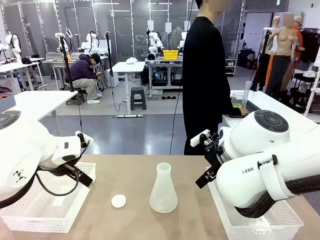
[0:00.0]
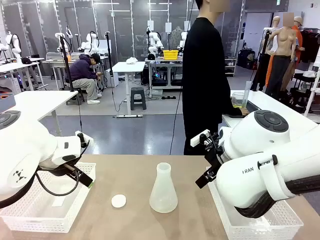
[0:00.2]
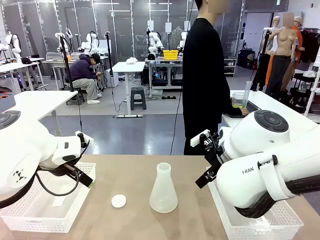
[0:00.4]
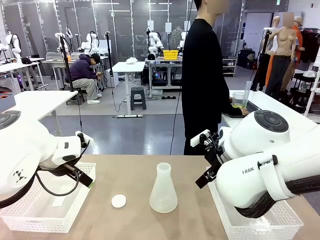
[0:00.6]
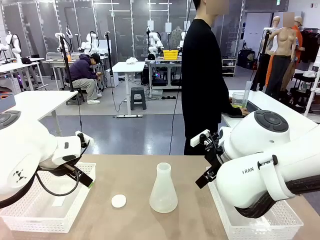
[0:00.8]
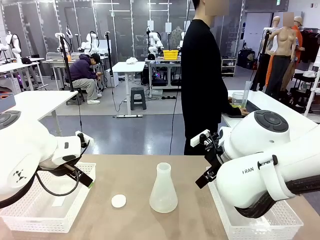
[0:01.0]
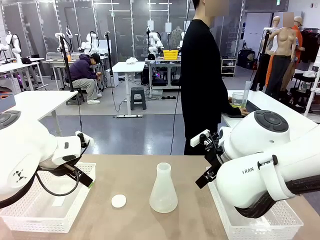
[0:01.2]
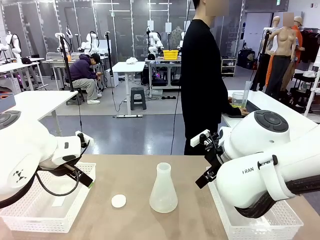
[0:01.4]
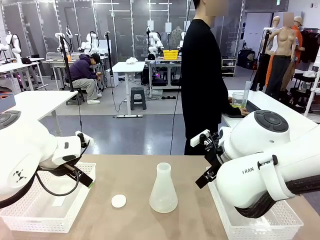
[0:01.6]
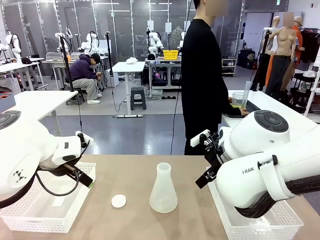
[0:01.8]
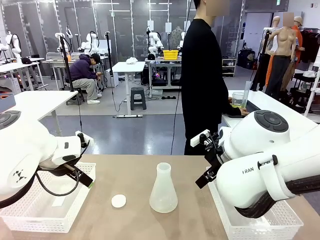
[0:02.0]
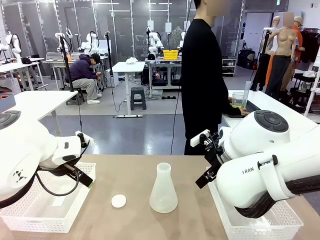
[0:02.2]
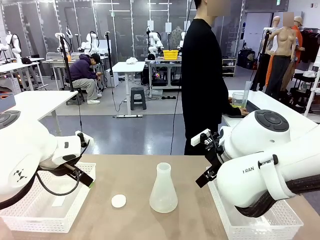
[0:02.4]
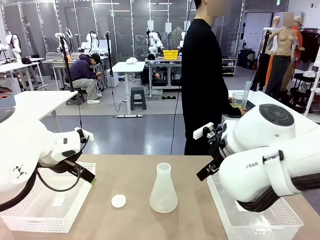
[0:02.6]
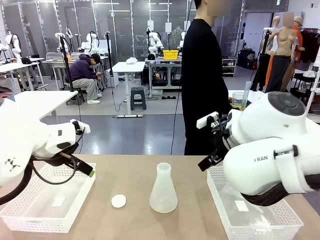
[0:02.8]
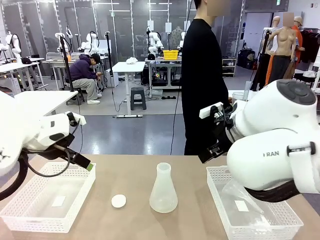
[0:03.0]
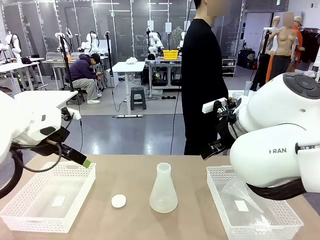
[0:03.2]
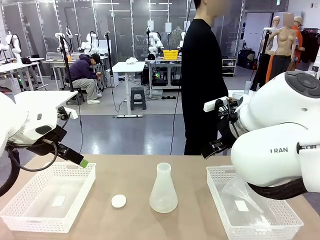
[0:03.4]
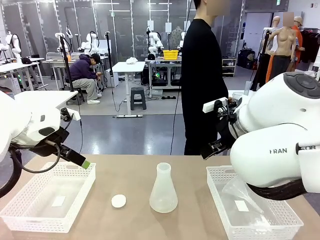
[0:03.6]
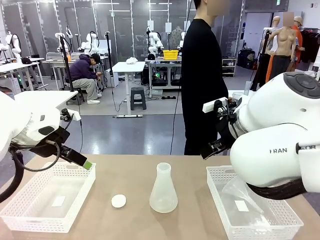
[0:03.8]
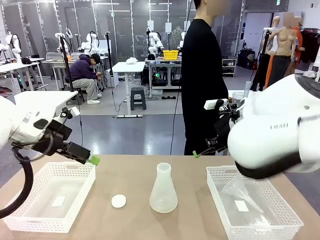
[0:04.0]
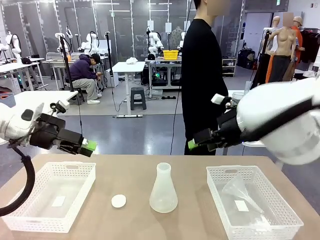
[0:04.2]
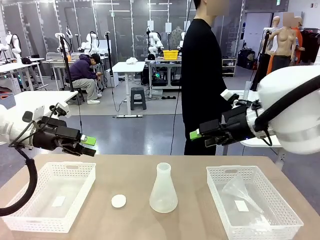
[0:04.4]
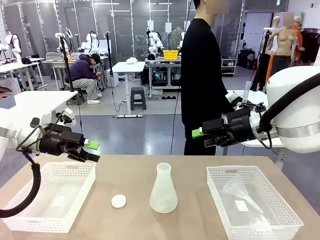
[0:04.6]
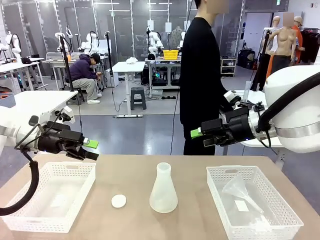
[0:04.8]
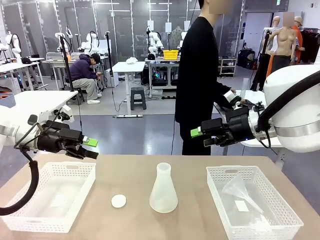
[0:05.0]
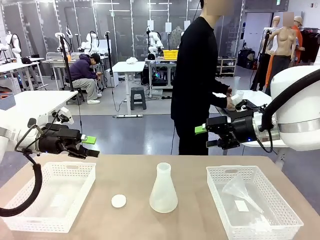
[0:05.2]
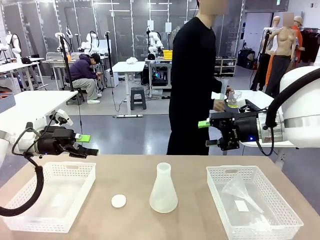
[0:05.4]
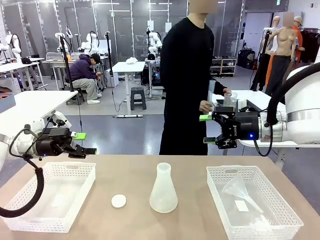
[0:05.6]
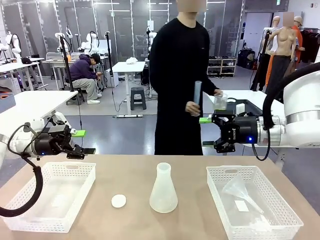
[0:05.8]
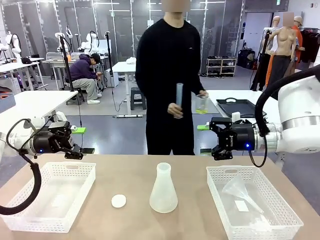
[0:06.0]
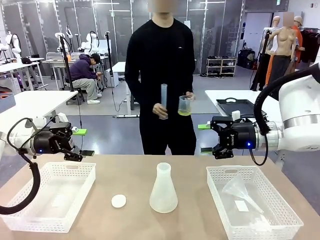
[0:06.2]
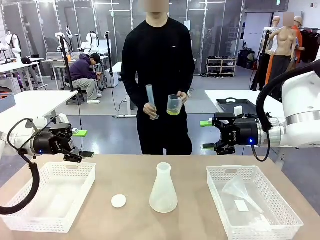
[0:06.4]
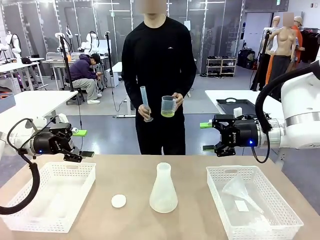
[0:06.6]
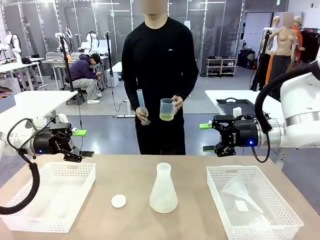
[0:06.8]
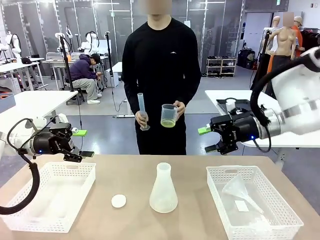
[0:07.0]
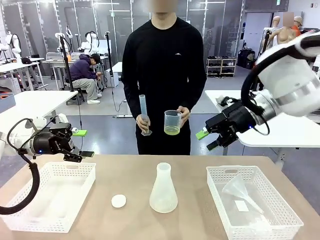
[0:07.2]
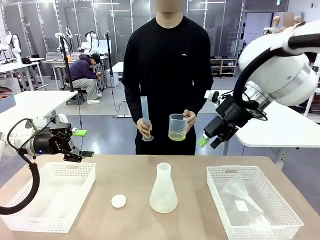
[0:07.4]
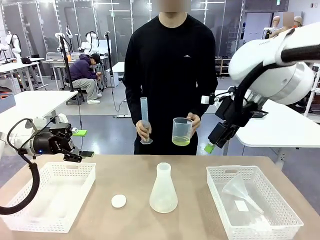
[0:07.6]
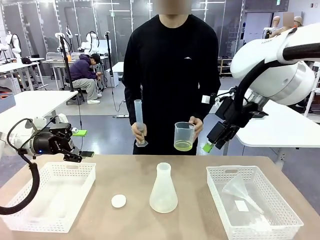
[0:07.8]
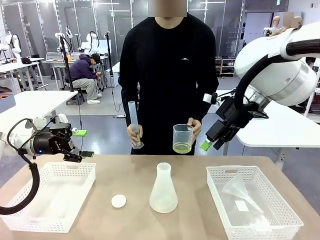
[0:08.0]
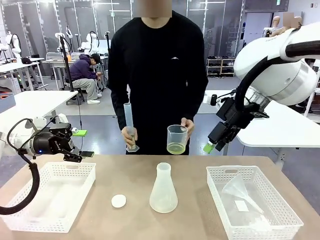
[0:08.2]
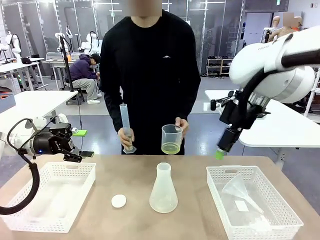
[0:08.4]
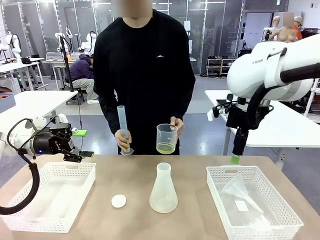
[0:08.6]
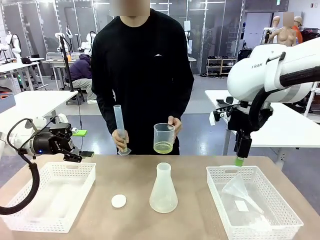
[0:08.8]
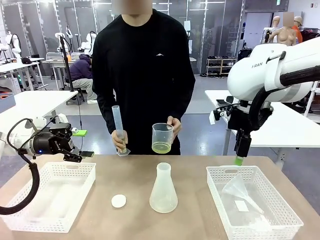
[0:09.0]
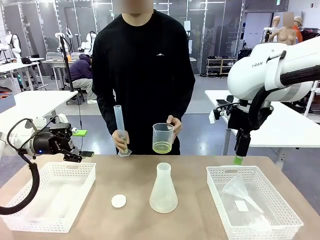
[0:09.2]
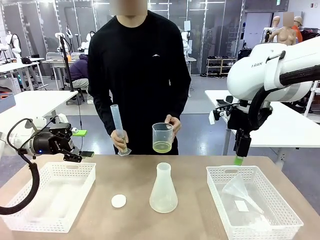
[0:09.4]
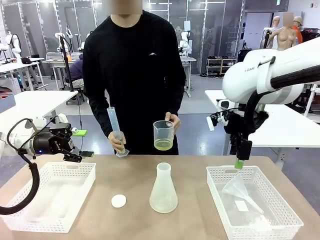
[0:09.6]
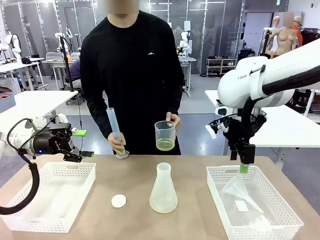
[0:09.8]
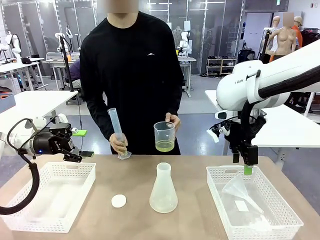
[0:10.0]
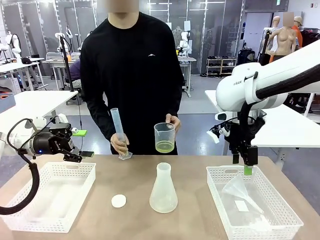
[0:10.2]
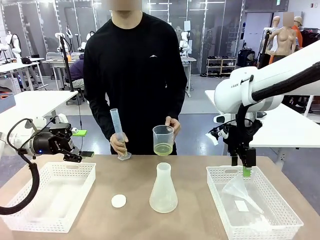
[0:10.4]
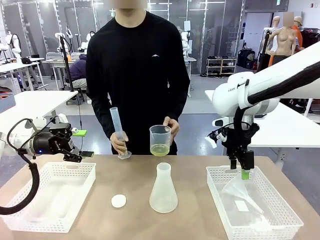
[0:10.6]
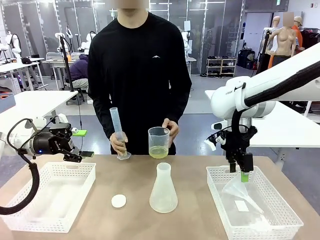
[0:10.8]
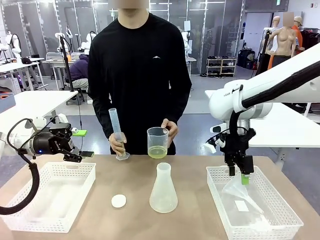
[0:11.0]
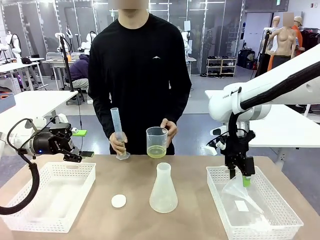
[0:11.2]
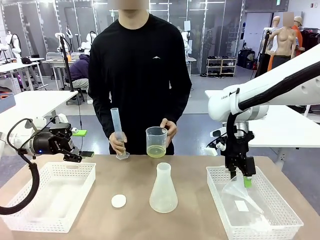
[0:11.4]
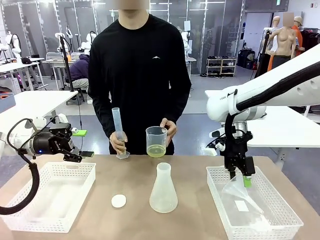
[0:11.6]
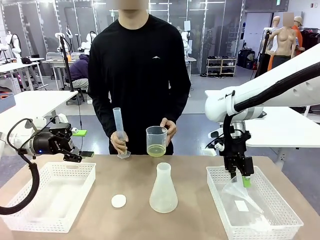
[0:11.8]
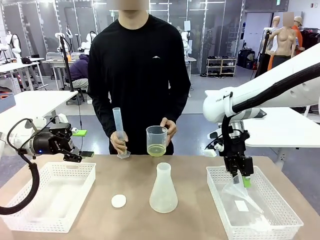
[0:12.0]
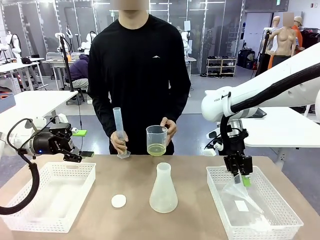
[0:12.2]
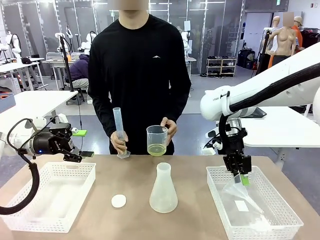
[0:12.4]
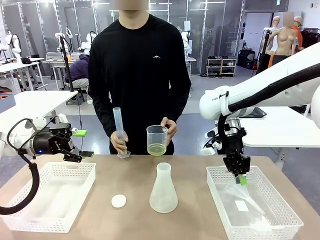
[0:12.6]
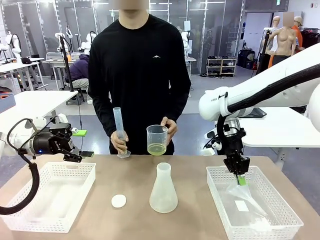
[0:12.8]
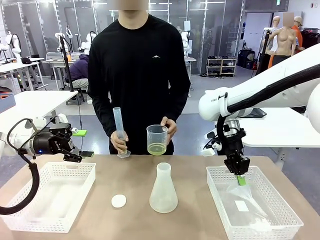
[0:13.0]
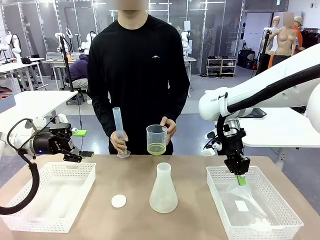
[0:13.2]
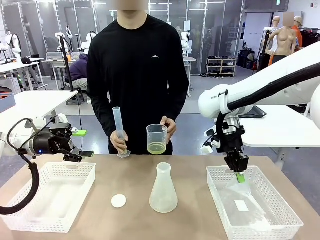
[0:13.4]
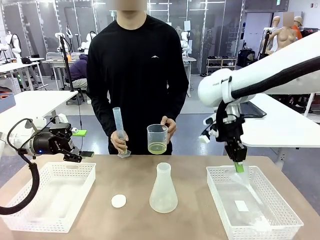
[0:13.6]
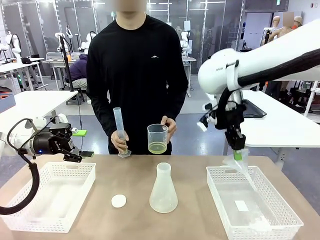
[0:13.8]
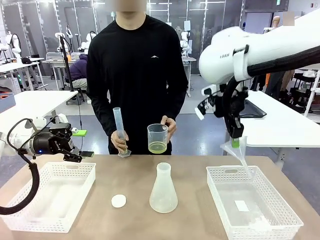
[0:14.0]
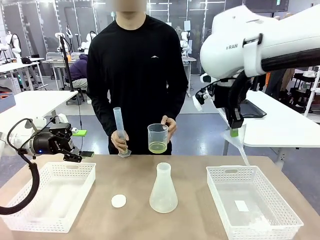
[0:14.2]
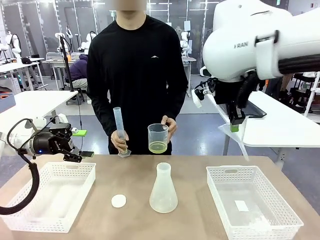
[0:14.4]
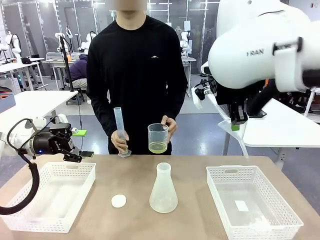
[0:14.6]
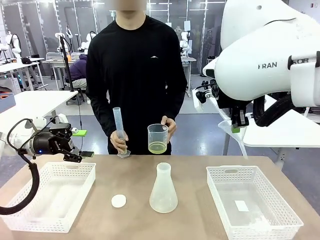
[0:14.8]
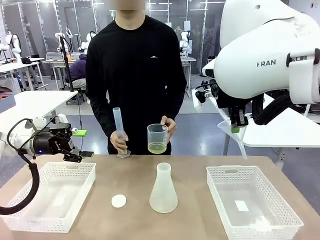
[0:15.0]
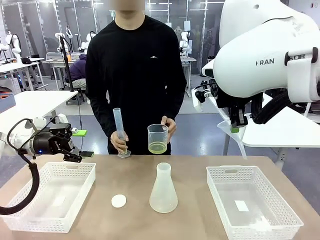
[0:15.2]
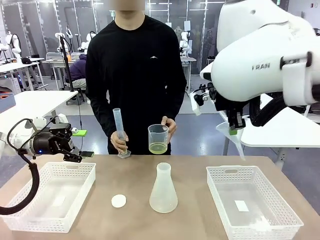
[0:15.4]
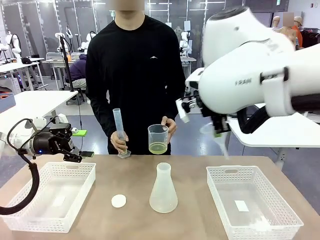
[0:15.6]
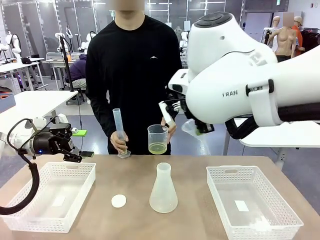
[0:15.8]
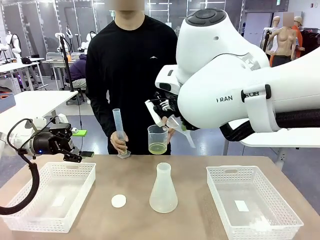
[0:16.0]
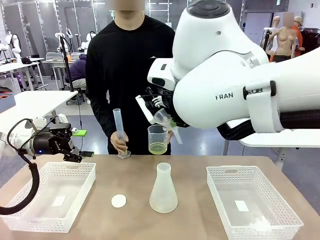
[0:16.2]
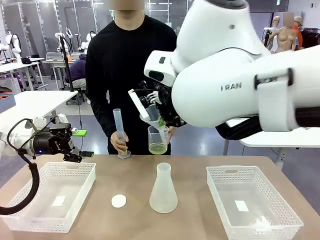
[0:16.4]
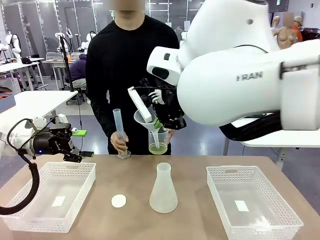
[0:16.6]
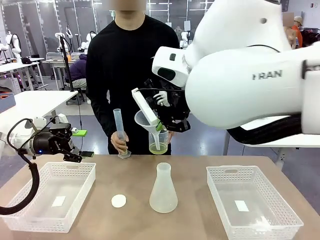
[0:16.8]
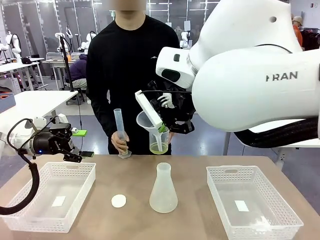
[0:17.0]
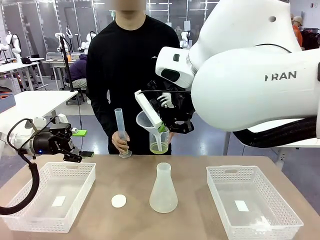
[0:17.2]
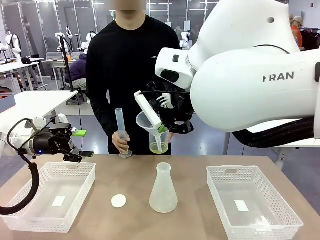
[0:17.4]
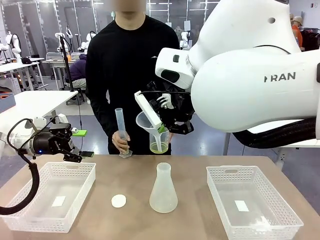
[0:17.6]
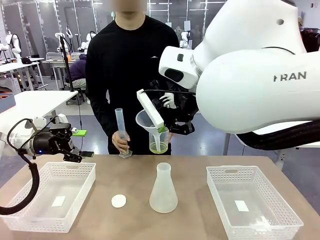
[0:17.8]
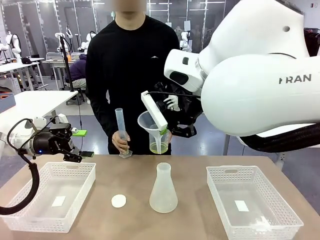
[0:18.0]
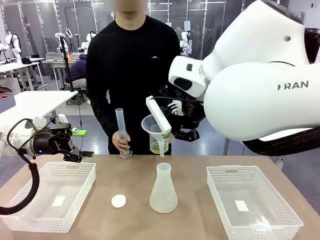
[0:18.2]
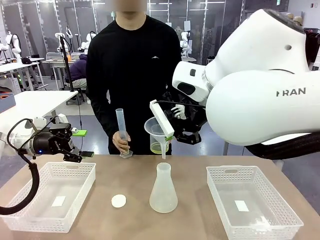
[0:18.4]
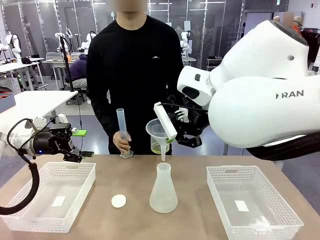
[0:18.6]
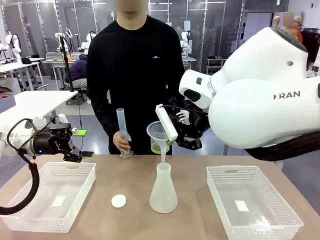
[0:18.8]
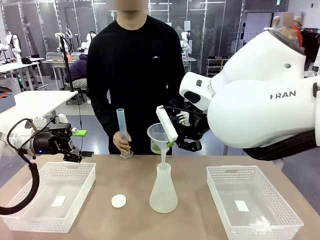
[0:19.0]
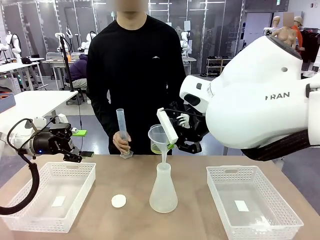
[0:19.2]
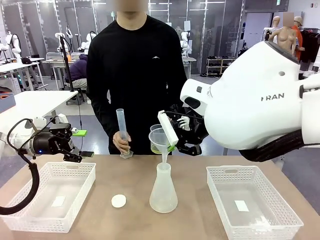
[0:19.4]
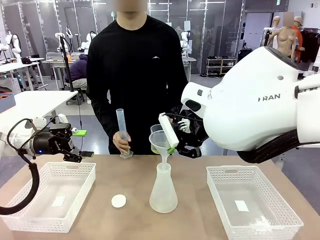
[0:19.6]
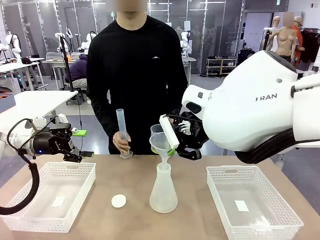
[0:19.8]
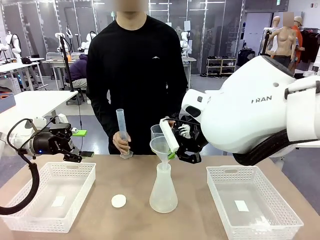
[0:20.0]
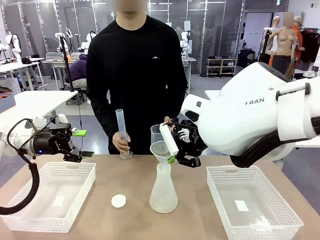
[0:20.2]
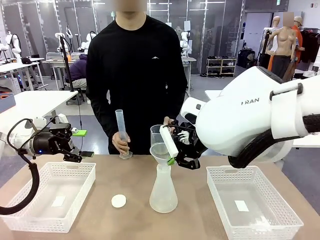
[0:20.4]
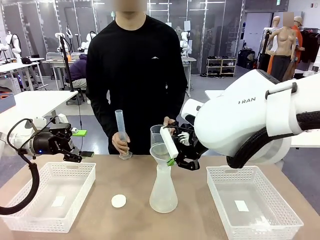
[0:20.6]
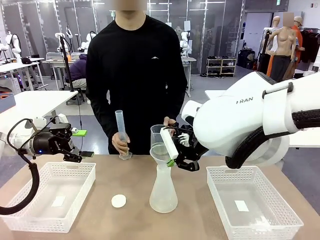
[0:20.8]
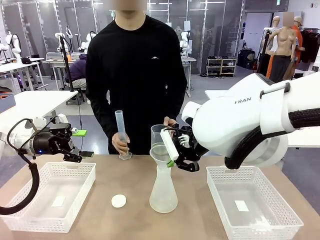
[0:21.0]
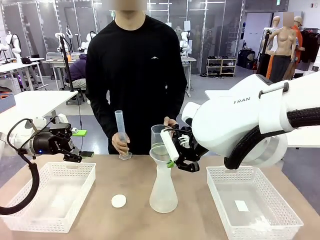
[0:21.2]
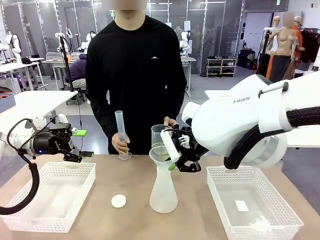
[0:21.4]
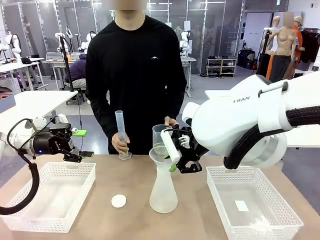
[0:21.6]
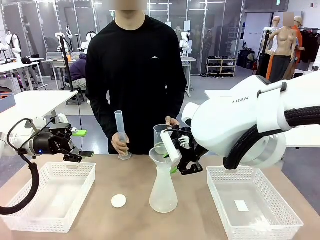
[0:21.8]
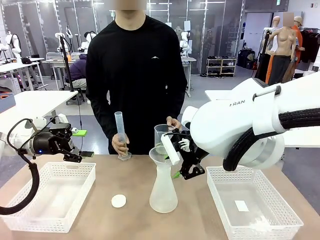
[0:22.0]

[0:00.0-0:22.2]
Task: Prepare the solutions needed for the experiment.
Robot: Pick up the Plastic Funnel and insert it into the Big flask.
Person: Pick up the beaker and the cylinder and move to the middle of the robot table. Pour the solution from the beaker and the cylinder into the flask.
